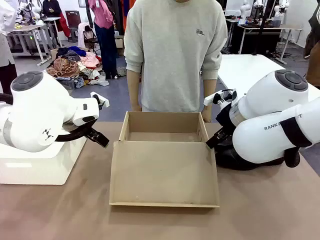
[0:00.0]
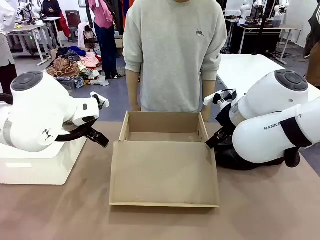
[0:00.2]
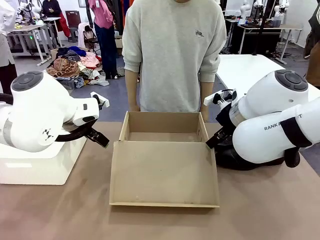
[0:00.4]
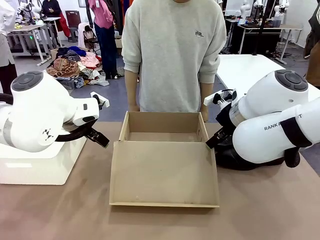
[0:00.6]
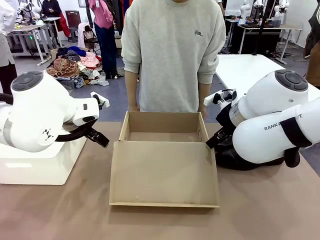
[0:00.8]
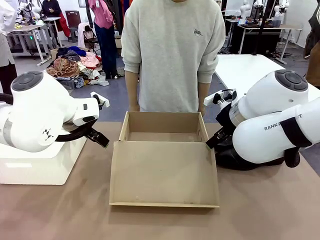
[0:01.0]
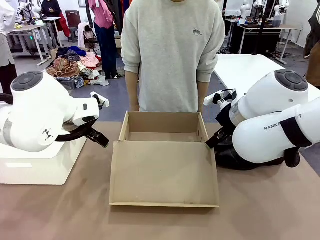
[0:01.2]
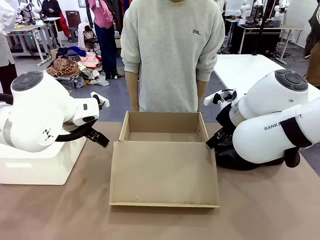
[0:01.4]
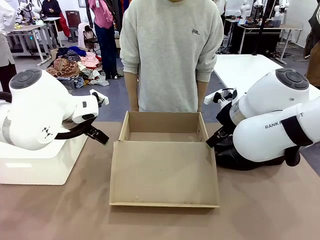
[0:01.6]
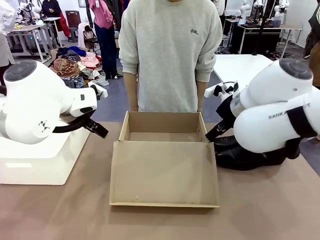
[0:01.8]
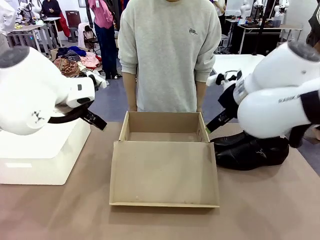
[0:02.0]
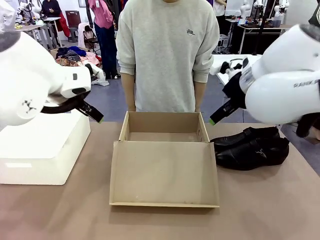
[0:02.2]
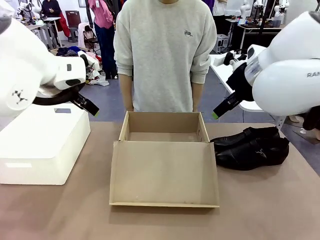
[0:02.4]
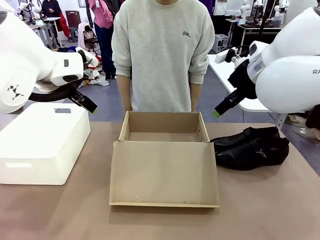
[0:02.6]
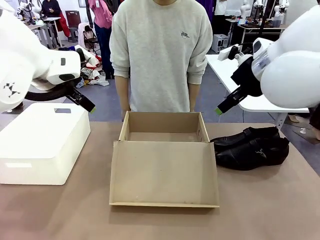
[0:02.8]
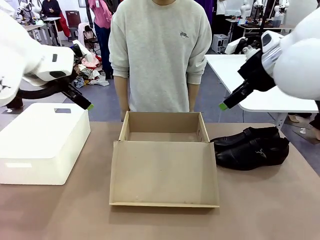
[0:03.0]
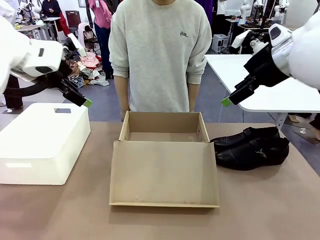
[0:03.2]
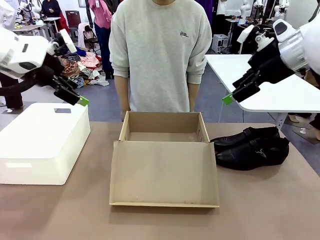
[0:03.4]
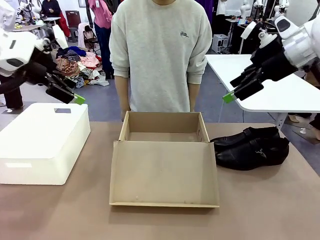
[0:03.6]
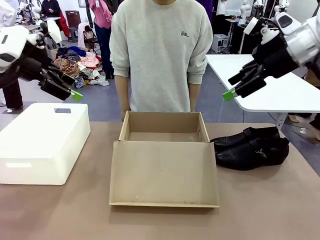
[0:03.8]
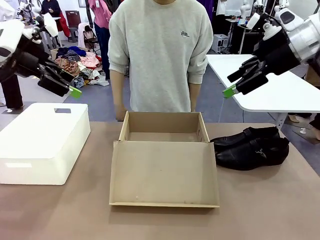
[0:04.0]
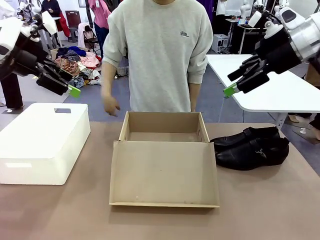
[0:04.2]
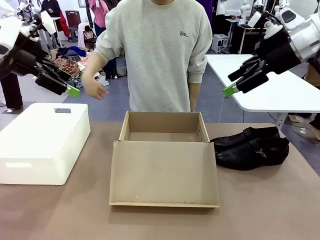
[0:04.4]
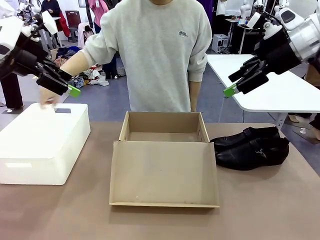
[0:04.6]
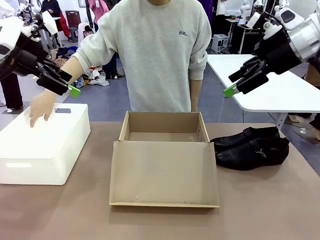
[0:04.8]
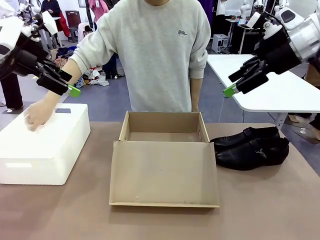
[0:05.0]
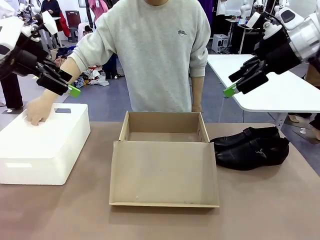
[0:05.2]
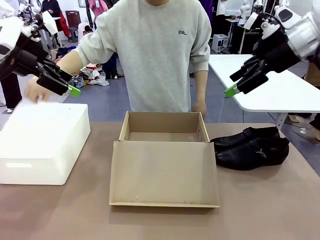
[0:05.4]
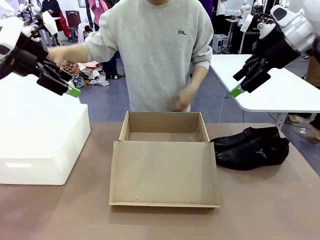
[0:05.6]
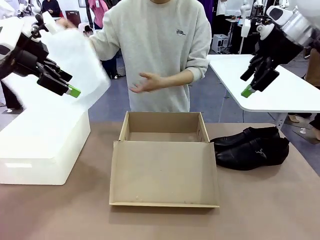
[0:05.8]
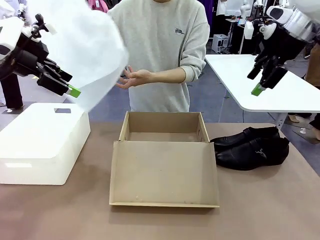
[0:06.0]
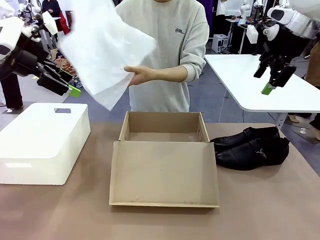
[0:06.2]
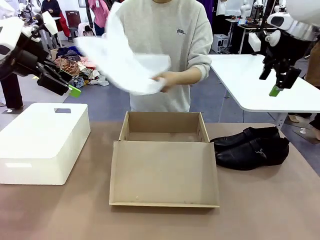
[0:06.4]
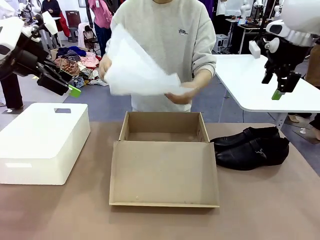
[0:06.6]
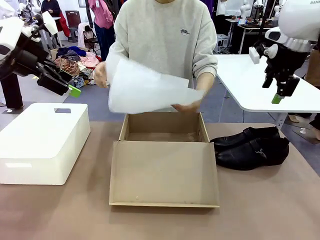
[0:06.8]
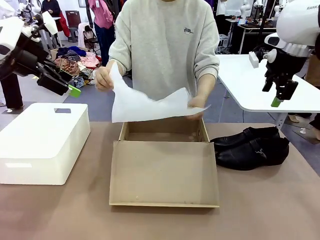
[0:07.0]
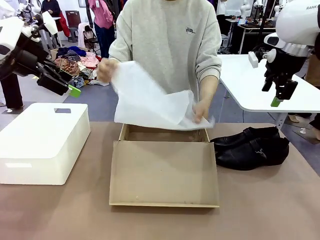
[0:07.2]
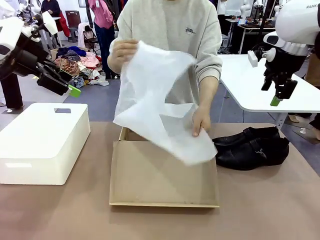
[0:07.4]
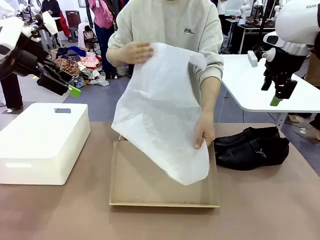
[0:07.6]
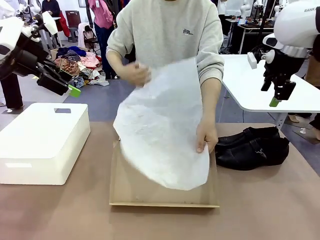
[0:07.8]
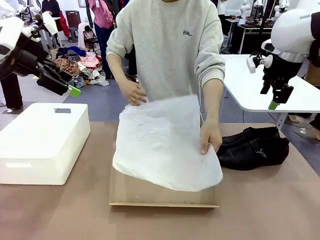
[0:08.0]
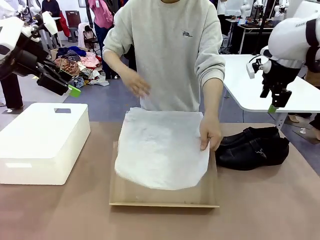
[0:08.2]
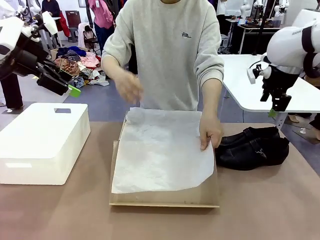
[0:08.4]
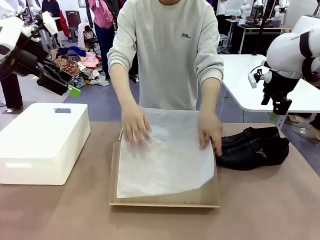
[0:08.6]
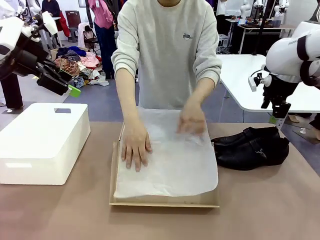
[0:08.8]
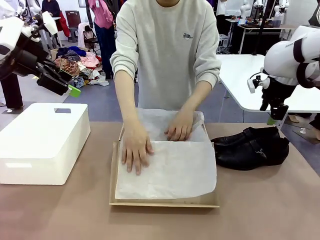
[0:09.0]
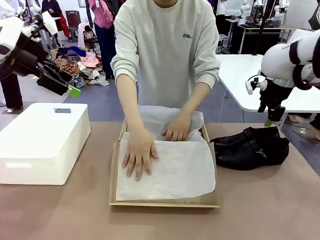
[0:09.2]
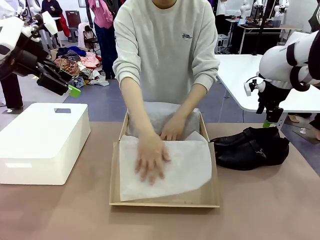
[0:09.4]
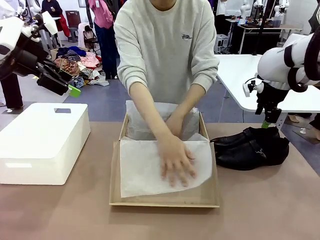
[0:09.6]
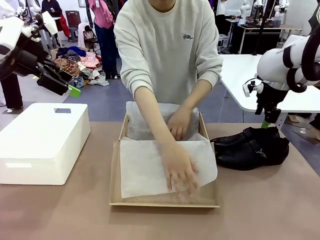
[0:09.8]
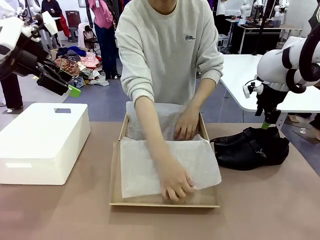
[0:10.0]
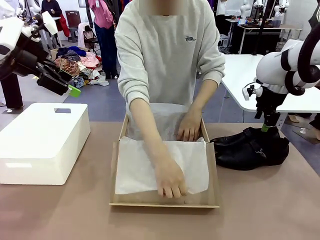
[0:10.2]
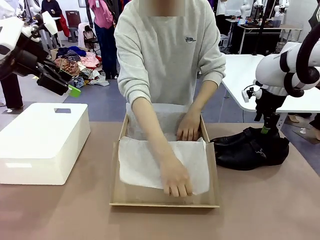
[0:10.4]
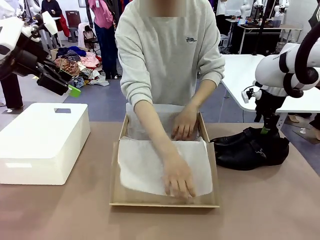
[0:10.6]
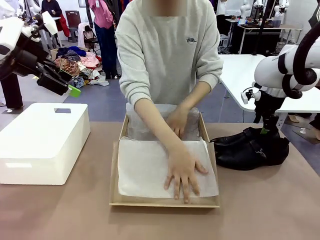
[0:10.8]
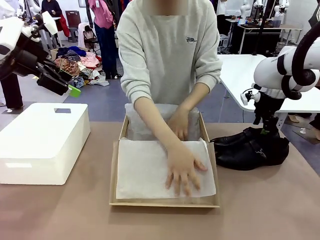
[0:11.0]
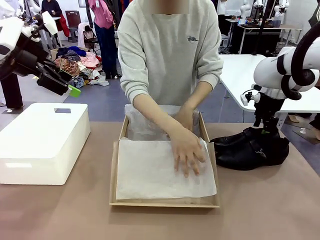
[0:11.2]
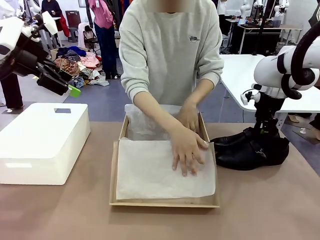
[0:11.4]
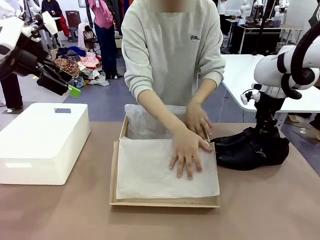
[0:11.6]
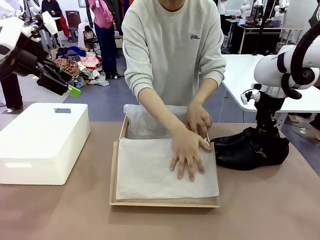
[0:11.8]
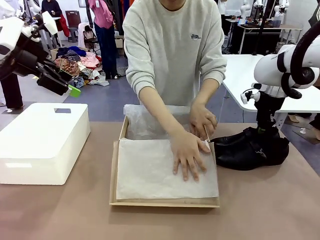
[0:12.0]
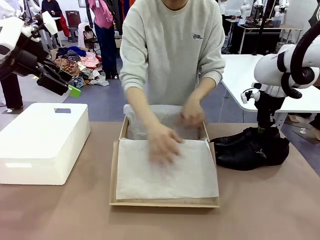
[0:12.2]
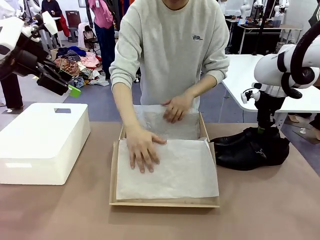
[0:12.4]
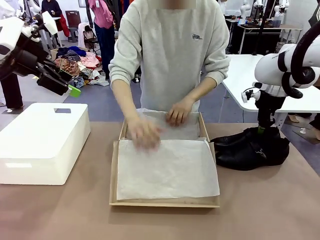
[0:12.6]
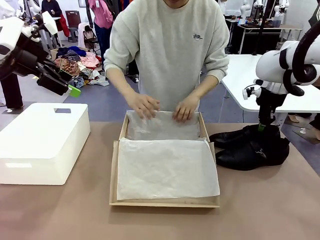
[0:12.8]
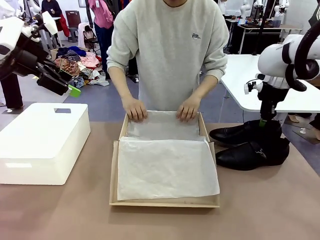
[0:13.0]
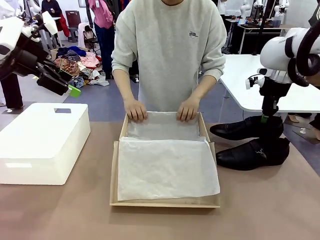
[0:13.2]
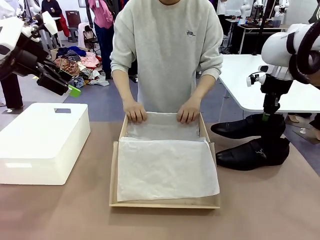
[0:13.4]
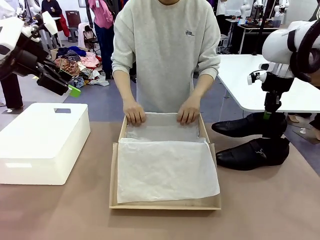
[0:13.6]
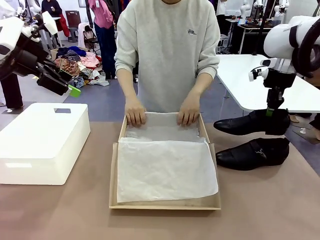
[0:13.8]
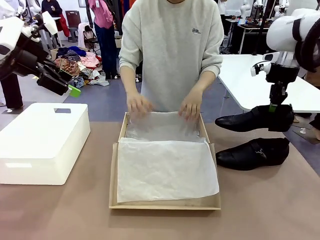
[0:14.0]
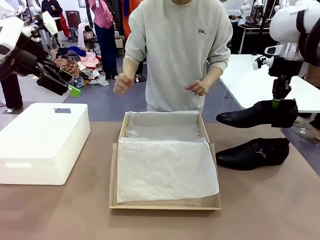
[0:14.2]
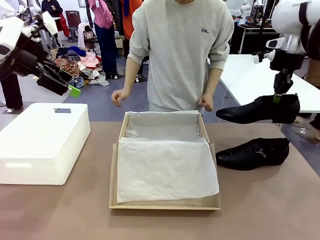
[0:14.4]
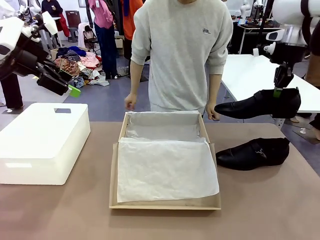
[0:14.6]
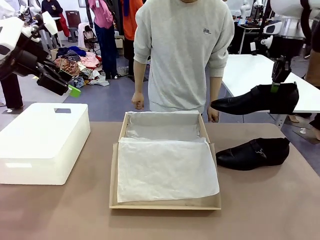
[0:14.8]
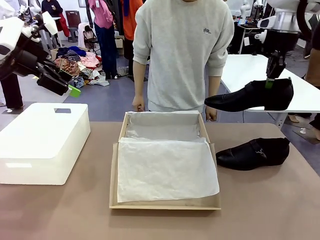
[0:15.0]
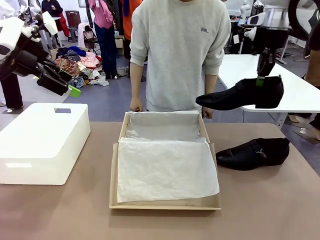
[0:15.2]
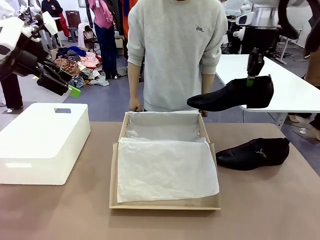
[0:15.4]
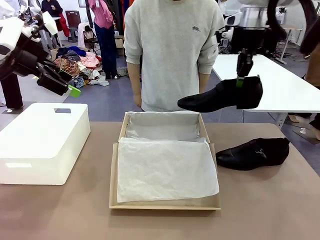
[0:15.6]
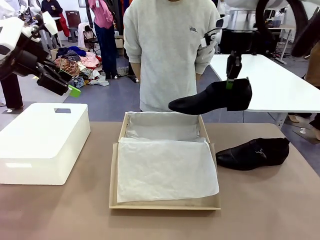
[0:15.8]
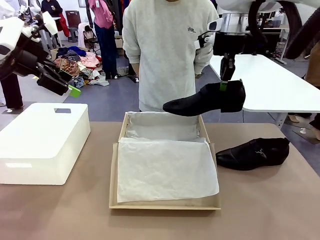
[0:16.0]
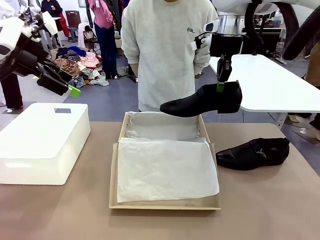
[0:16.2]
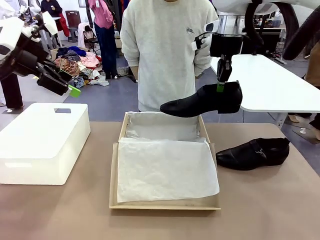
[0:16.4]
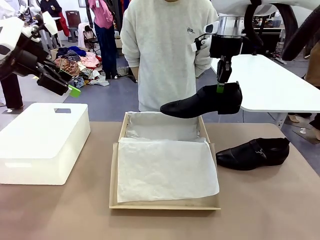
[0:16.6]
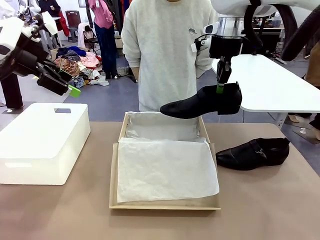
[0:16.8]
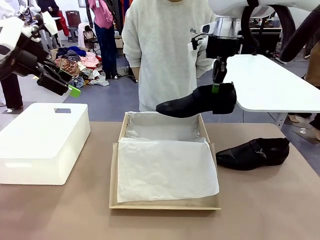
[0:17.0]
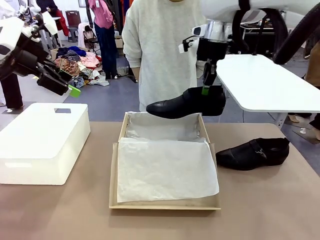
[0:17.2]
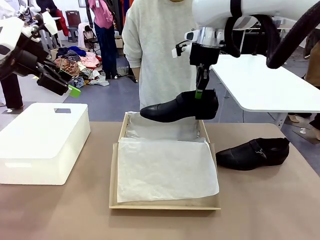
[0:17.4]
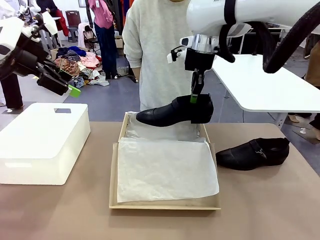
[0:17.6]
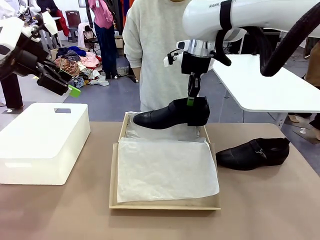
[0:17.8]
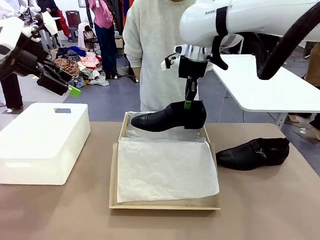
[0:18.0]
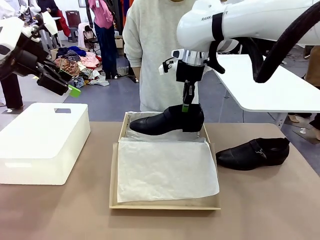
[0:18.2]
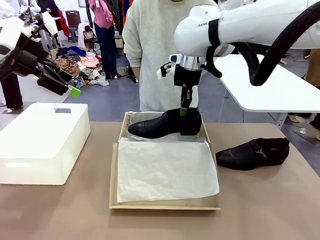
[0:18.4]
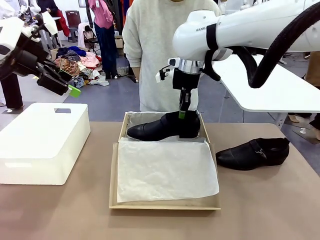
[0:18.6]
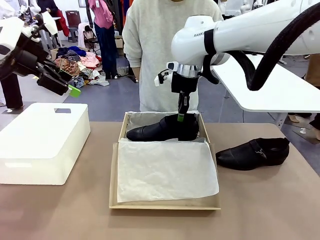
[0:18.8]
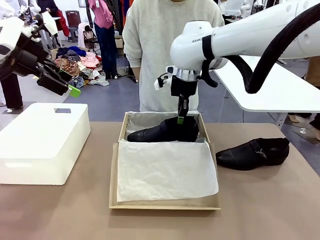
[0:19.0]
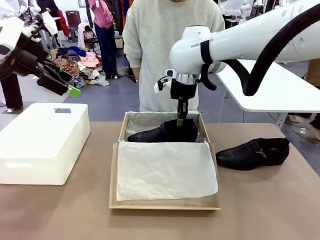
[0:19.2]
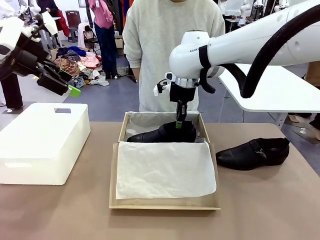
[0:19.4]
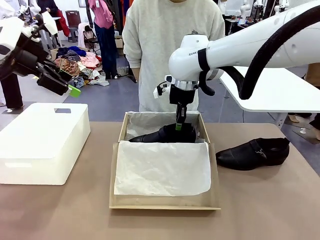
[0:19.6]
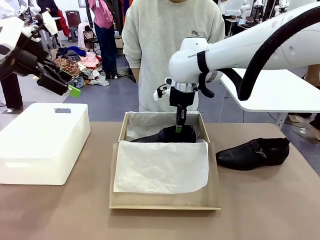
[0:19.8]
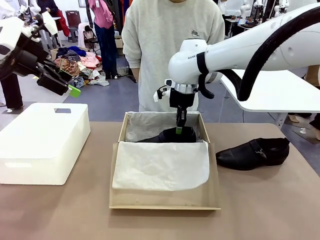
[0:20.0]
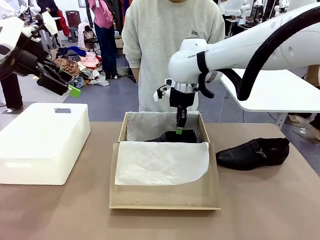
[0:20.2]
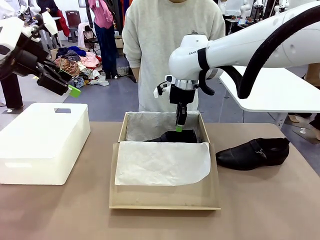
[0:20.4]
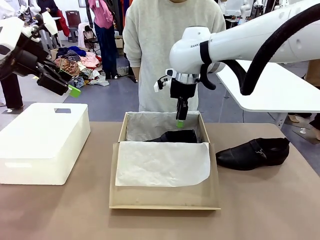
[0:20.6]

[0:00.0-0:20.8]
Task: Pack the shoes into the box.
Robot: Place one shoe of the Shoes into the Shoes Box.
Person: Spread Shoes Wrapping Paper and place inside the Shoes Box.
